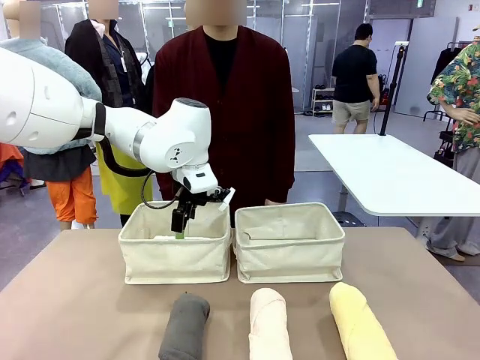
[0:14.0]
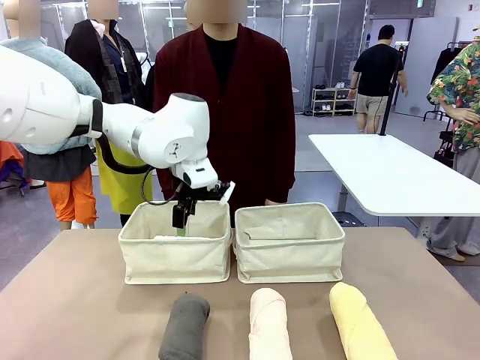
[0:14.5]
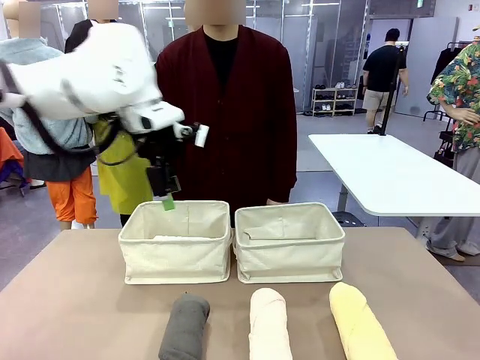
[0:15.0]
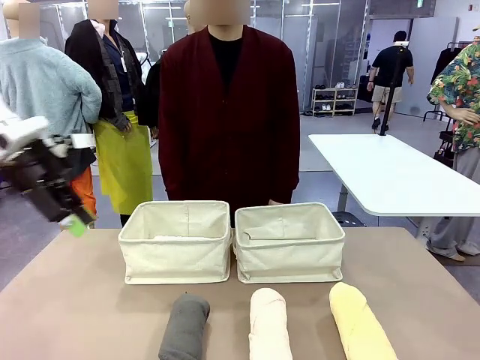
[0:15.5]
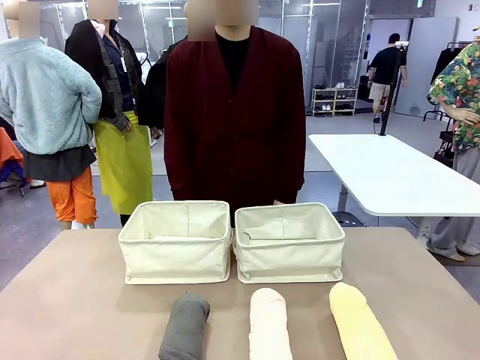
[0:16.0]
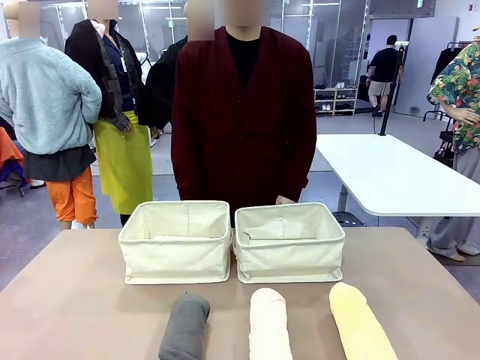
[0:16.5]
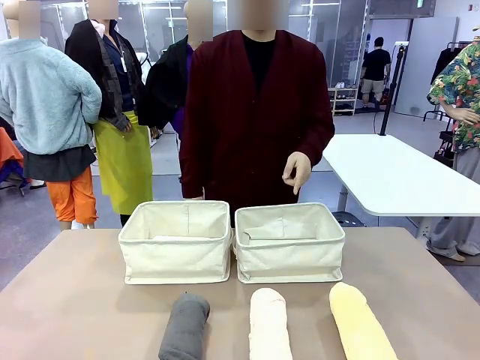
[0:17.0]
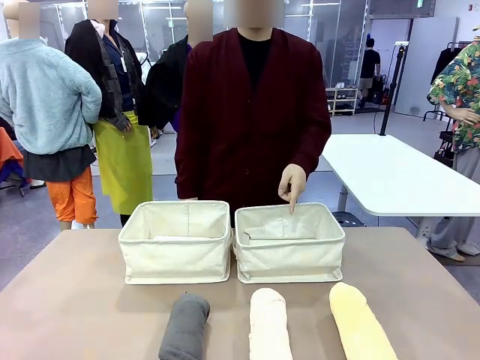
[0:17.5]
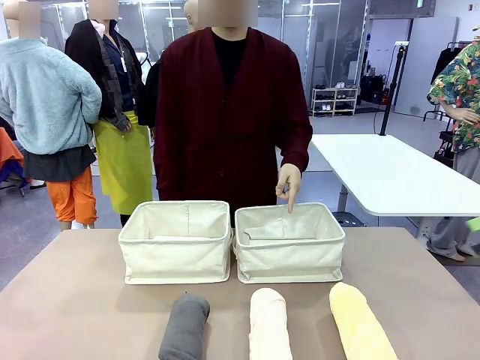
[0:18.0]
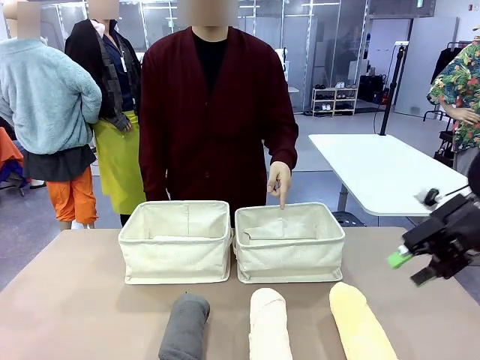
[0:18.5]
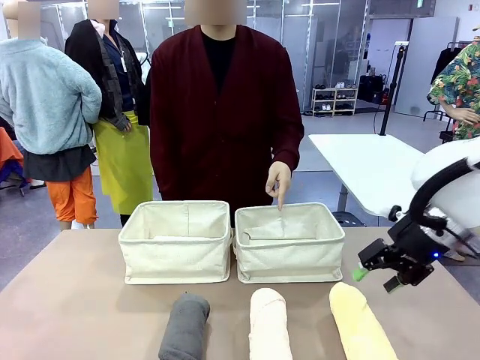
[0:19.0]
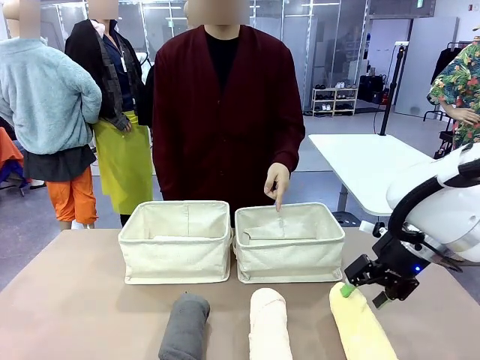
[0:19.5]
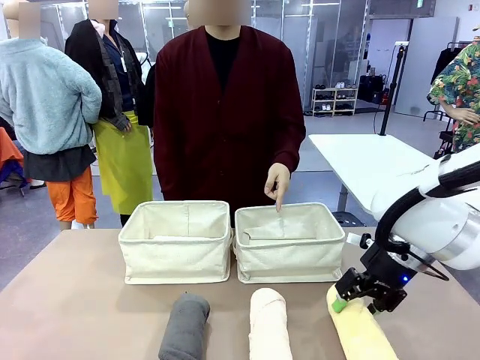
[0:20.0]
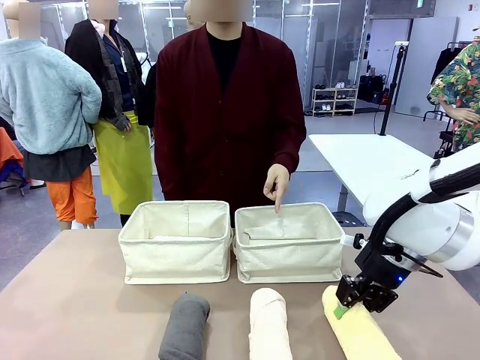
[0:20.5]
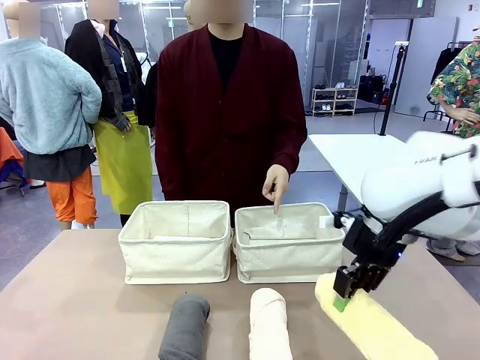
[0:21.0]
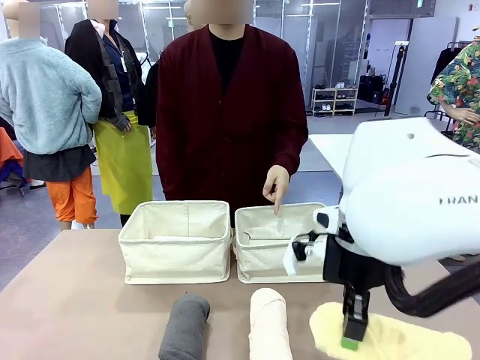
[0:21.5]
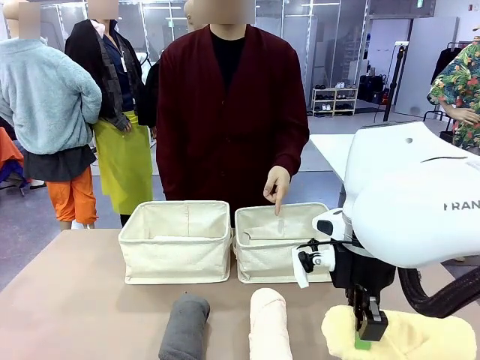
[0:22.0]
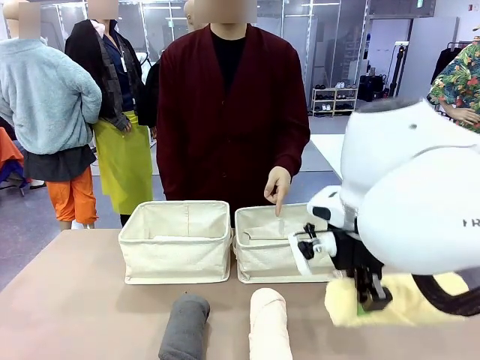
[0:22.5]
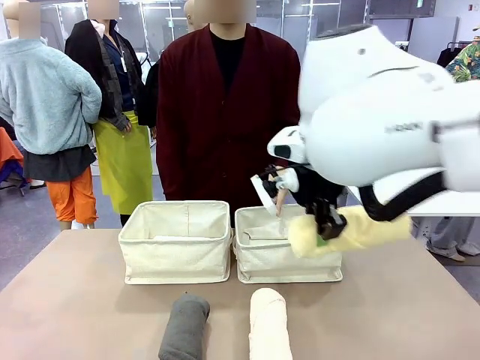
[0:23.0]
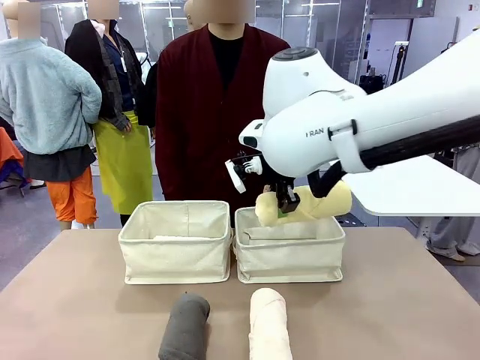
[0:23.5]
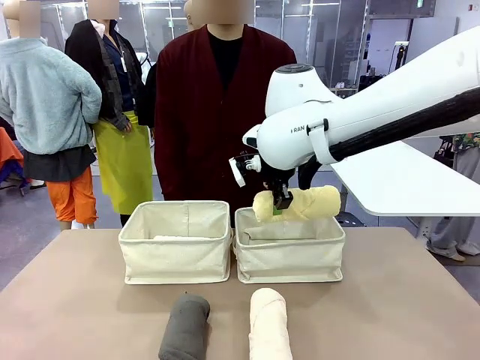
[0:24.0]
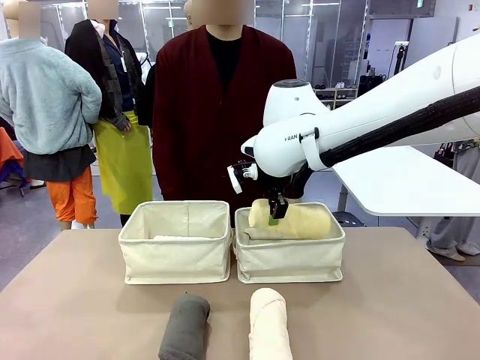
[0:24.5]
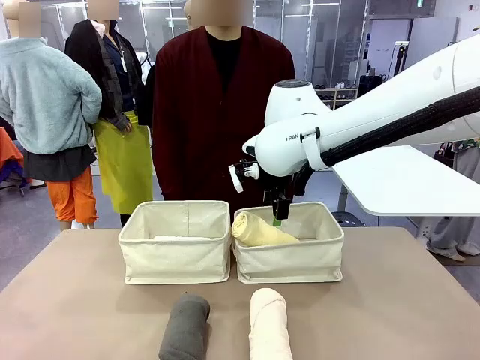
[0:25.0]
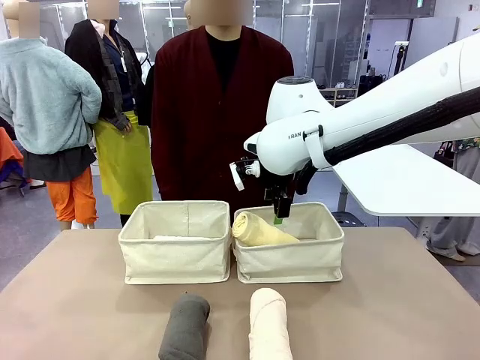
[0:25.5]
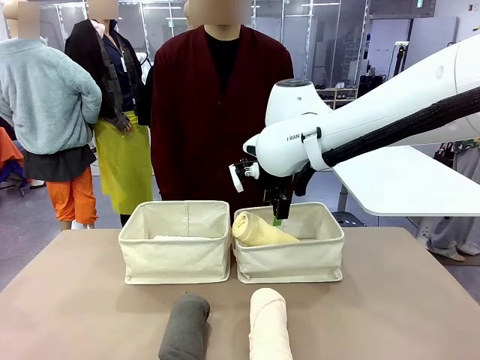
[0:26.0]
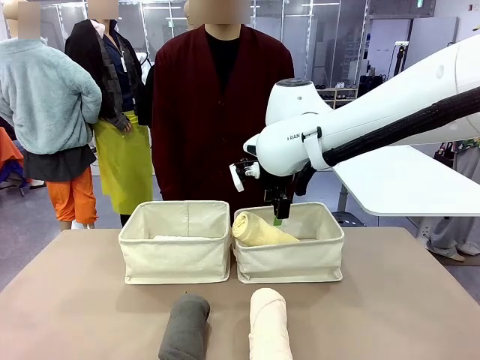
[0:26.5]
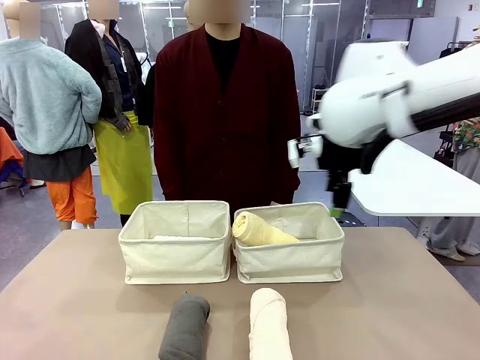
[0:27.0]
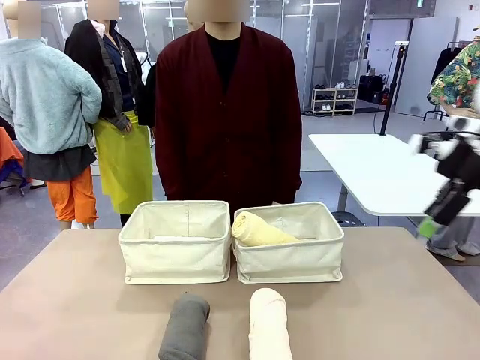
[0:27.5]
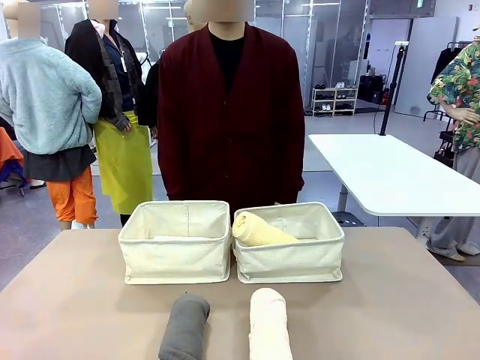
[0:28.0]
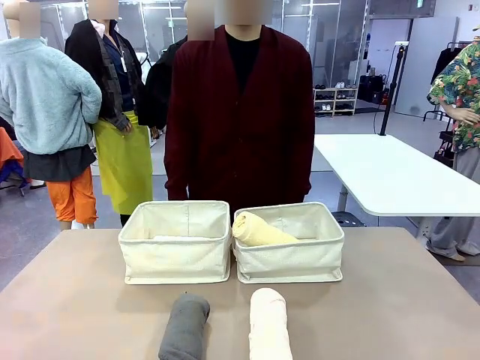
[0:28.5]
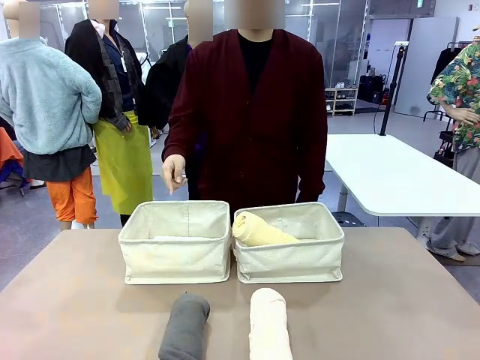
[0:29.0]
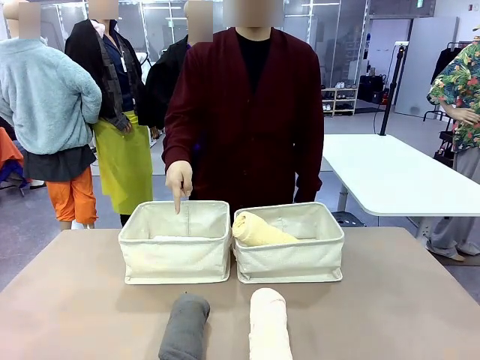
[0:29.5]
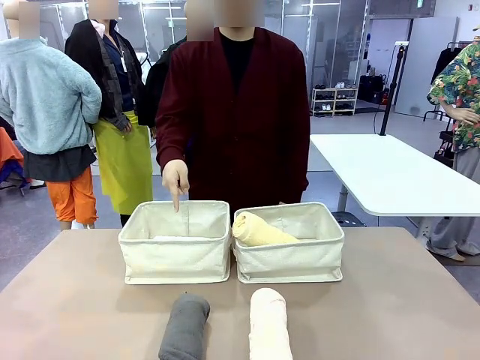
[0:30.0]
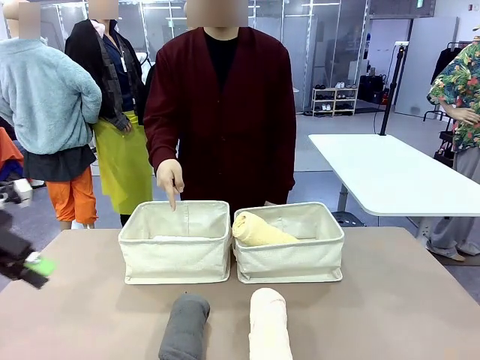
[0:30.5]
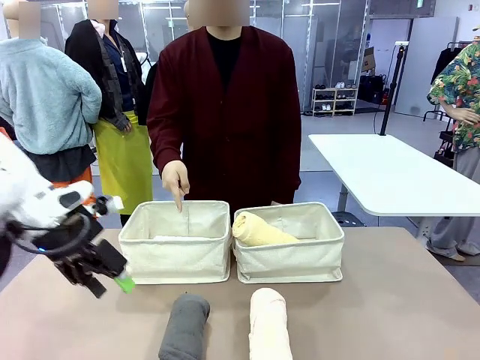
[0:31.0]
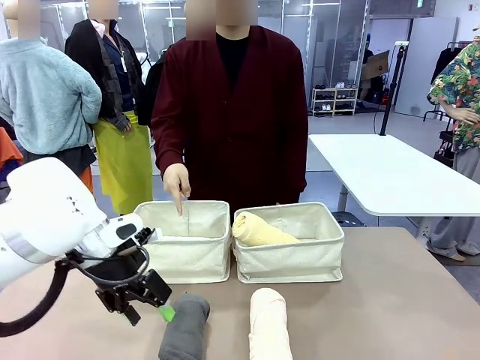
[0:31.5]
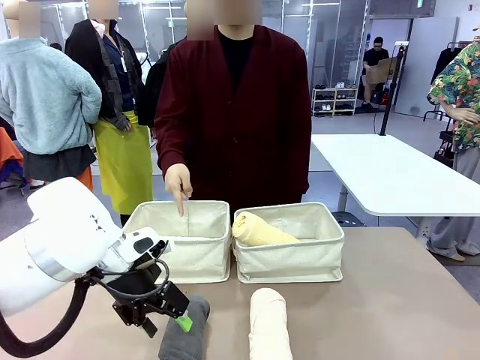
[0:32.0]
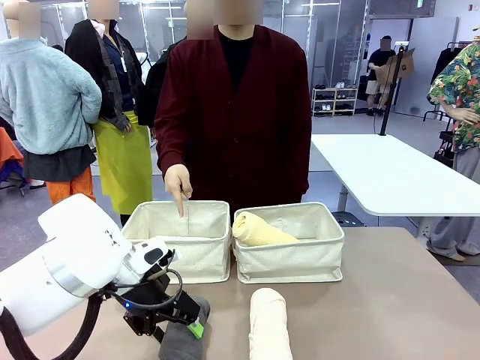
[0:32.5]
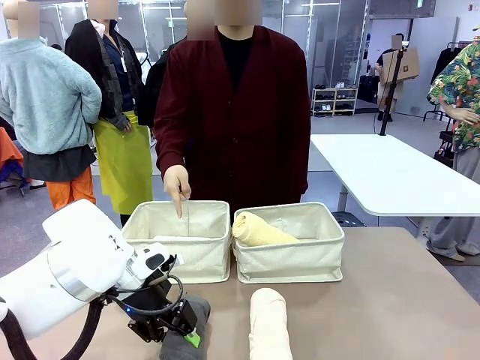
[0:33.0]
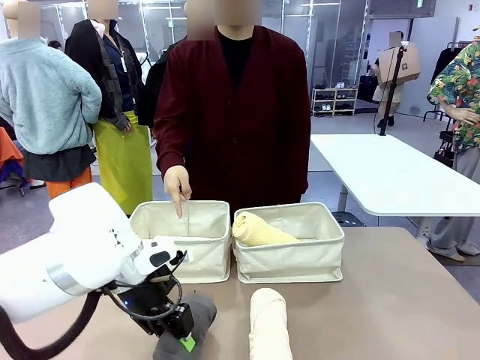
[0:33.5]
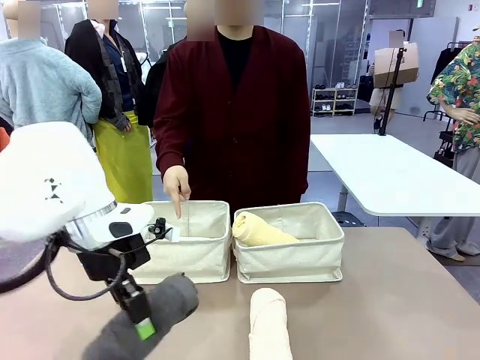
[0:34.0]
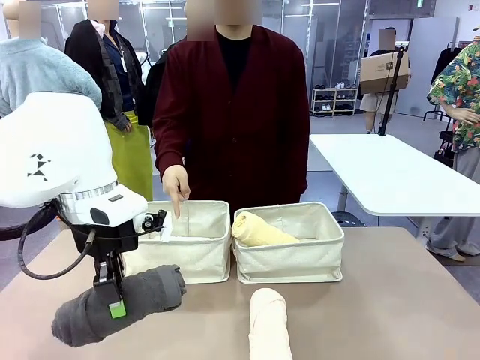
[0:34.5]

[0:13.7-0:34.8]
Task: Divide the towels into two baskets.
Robot: Pick up one hotel-folded towel from the bottom of the table and place it in the Fabric basket indicated by the person.
